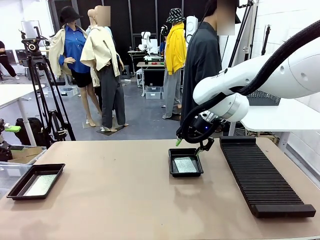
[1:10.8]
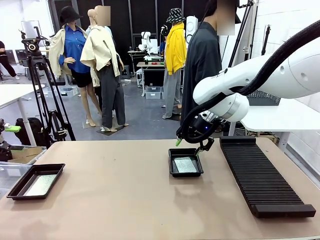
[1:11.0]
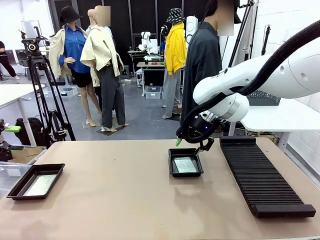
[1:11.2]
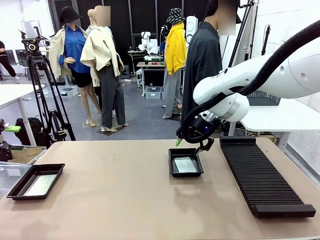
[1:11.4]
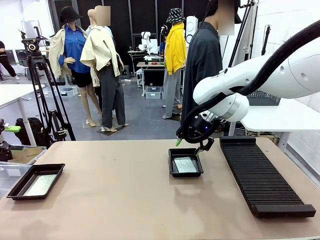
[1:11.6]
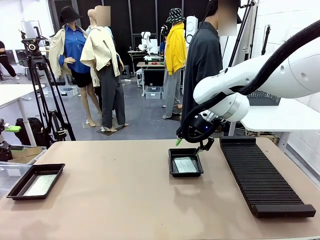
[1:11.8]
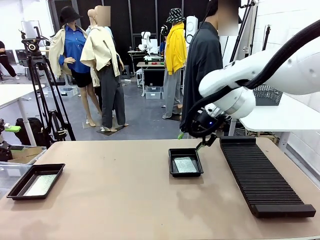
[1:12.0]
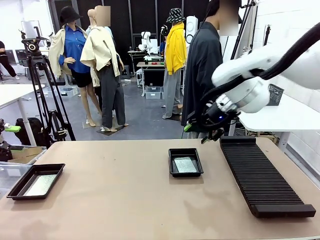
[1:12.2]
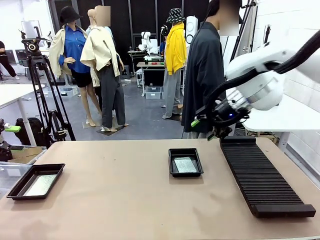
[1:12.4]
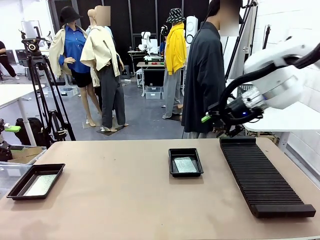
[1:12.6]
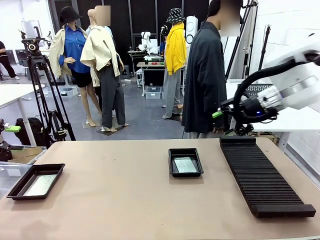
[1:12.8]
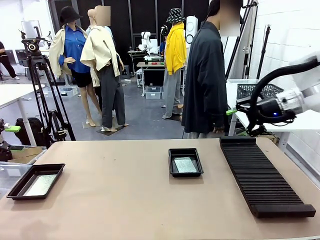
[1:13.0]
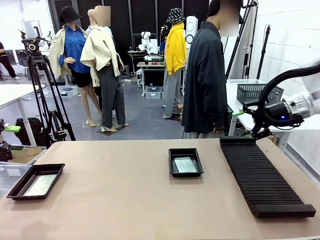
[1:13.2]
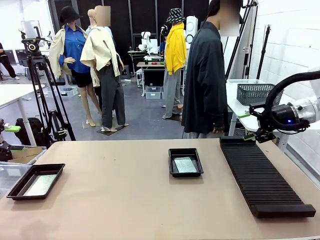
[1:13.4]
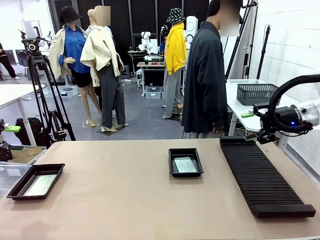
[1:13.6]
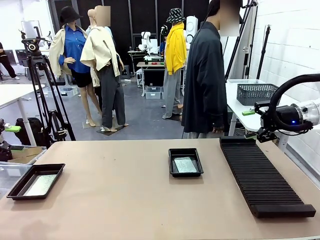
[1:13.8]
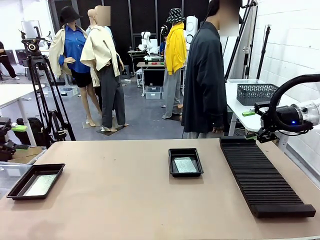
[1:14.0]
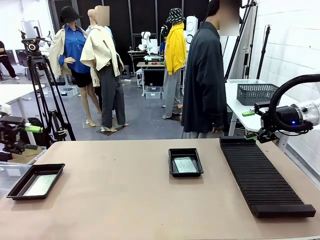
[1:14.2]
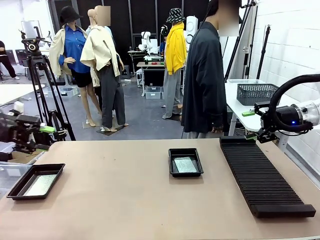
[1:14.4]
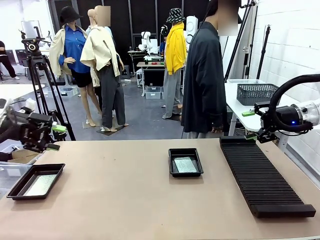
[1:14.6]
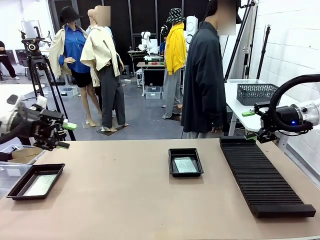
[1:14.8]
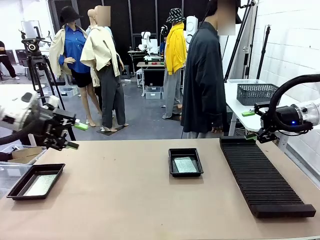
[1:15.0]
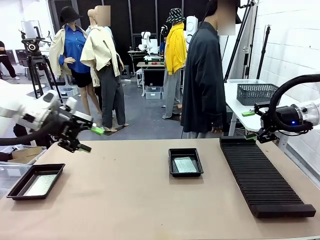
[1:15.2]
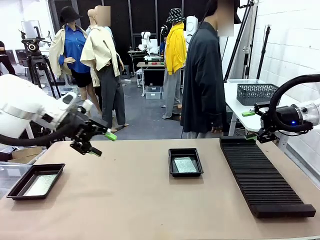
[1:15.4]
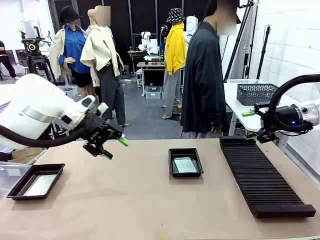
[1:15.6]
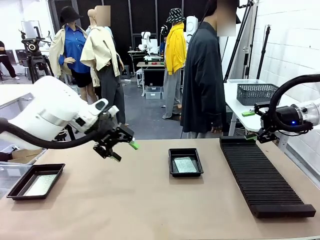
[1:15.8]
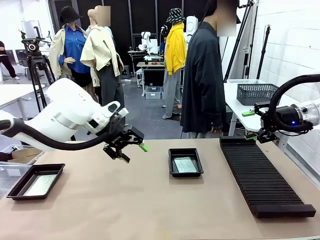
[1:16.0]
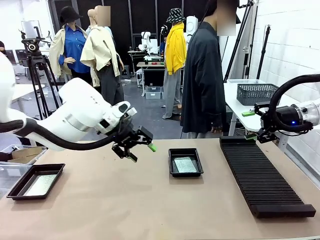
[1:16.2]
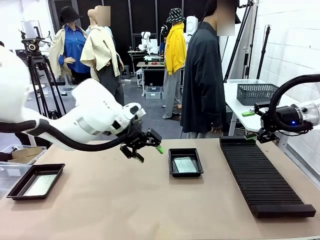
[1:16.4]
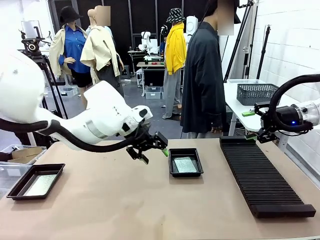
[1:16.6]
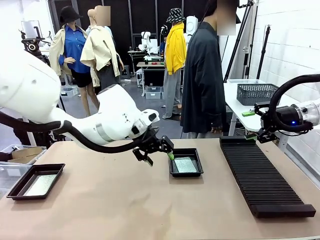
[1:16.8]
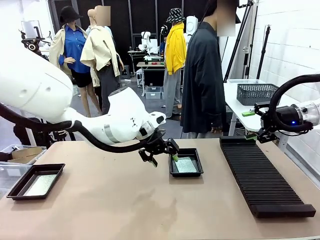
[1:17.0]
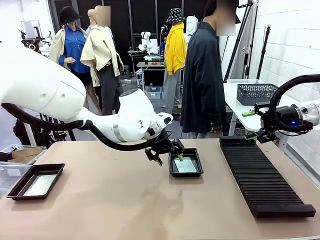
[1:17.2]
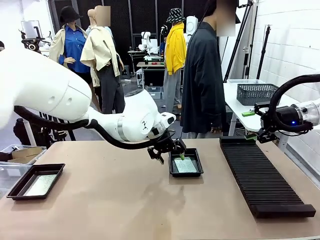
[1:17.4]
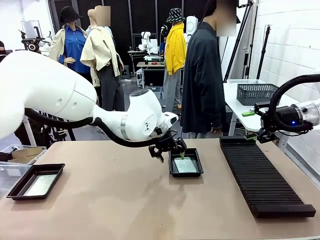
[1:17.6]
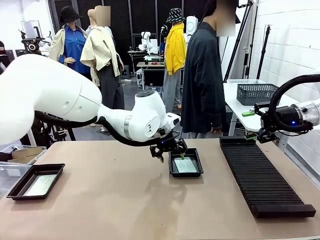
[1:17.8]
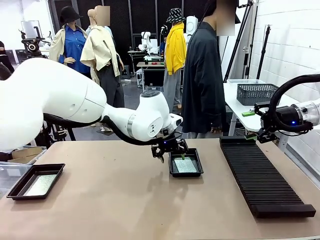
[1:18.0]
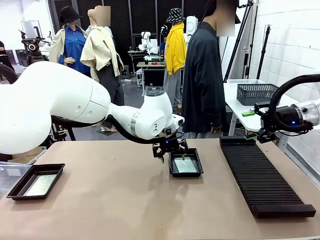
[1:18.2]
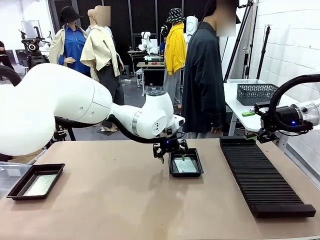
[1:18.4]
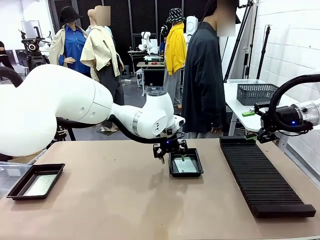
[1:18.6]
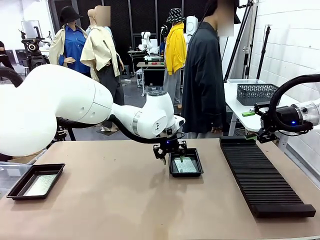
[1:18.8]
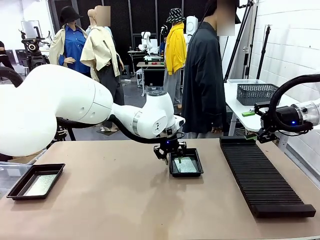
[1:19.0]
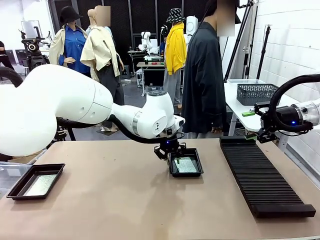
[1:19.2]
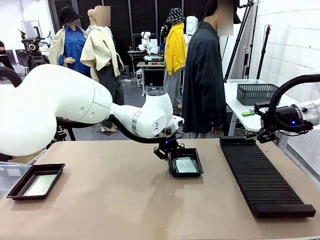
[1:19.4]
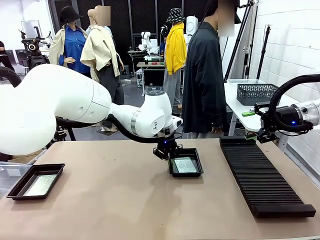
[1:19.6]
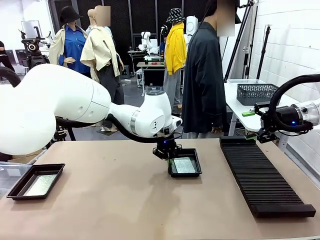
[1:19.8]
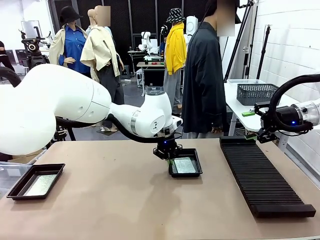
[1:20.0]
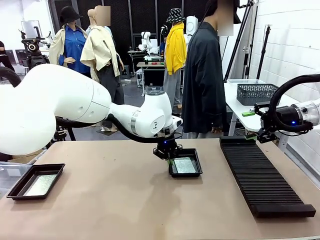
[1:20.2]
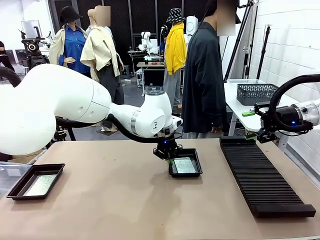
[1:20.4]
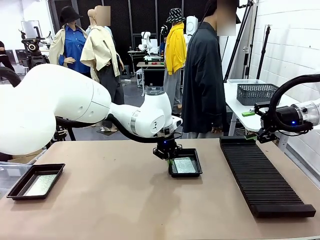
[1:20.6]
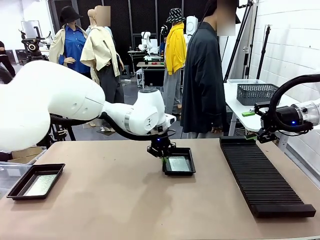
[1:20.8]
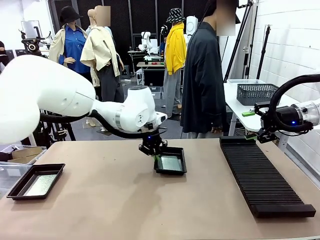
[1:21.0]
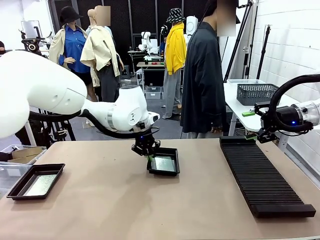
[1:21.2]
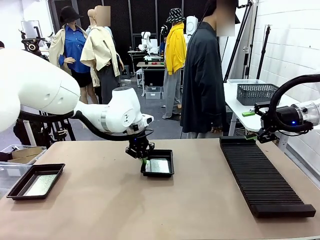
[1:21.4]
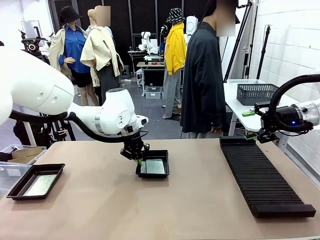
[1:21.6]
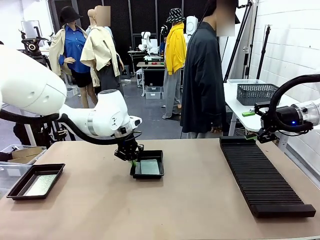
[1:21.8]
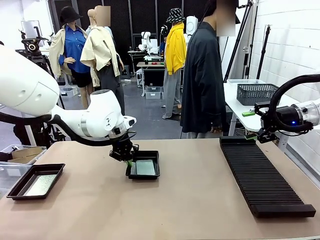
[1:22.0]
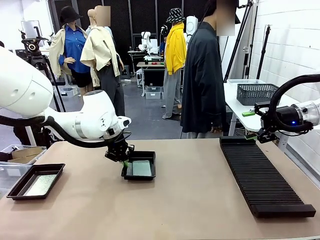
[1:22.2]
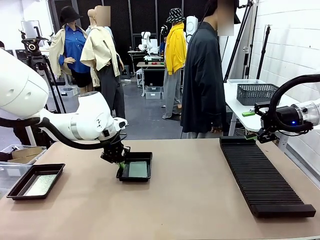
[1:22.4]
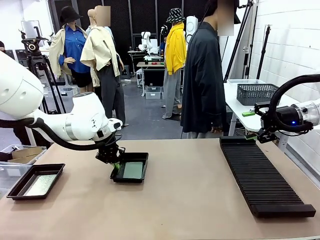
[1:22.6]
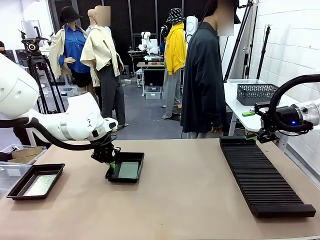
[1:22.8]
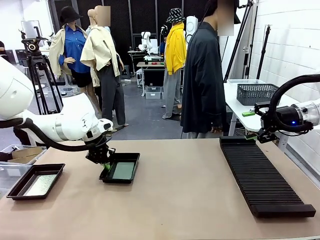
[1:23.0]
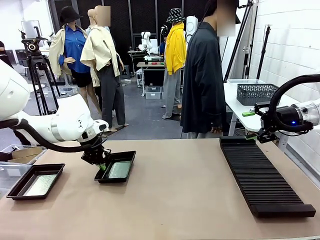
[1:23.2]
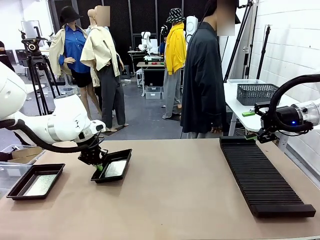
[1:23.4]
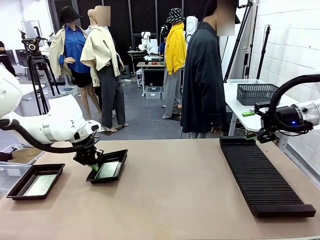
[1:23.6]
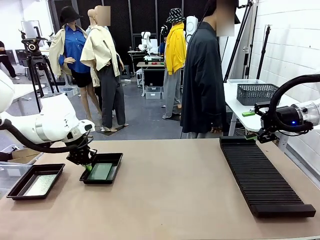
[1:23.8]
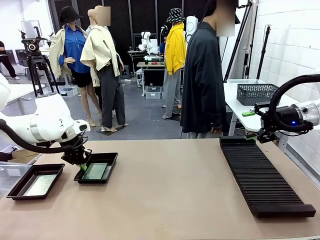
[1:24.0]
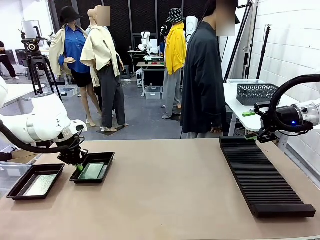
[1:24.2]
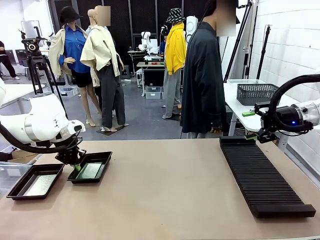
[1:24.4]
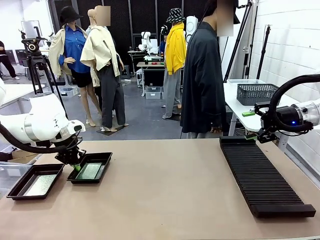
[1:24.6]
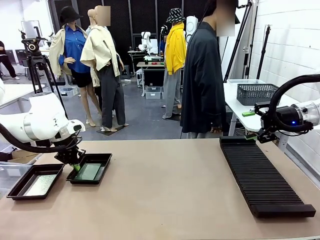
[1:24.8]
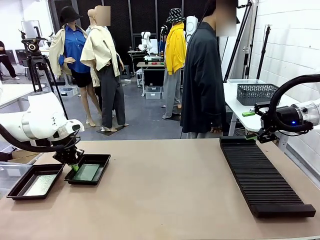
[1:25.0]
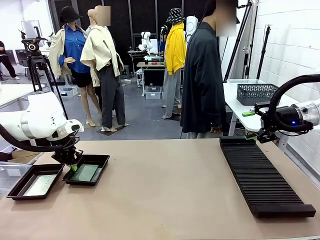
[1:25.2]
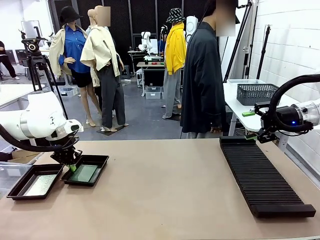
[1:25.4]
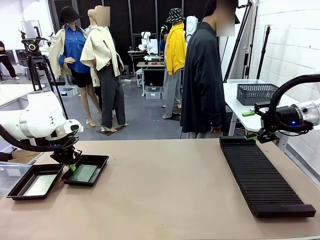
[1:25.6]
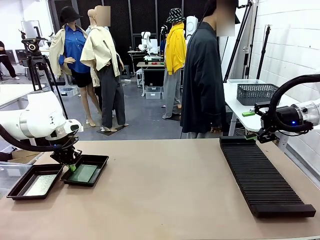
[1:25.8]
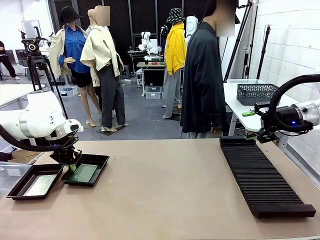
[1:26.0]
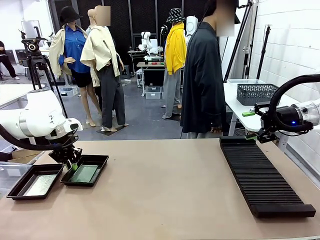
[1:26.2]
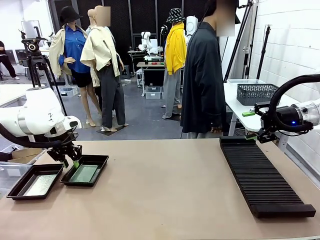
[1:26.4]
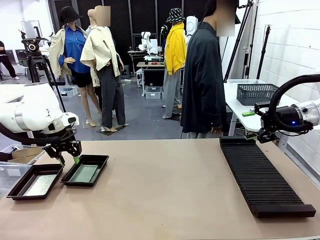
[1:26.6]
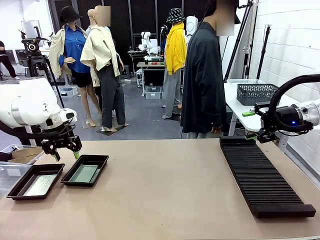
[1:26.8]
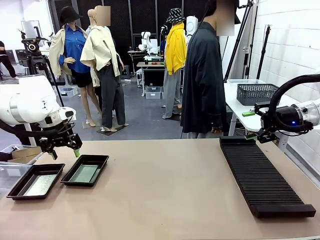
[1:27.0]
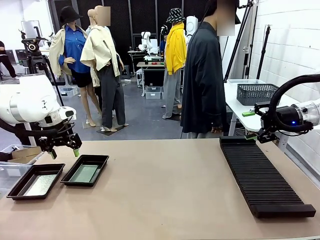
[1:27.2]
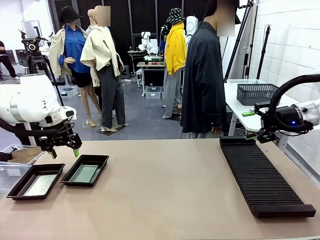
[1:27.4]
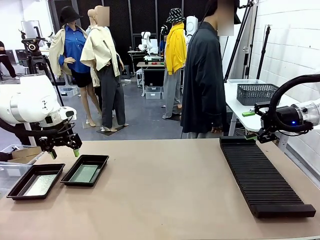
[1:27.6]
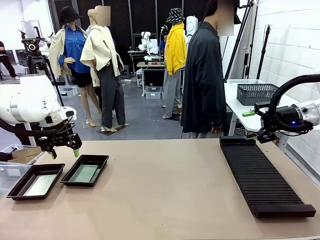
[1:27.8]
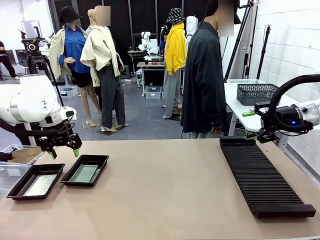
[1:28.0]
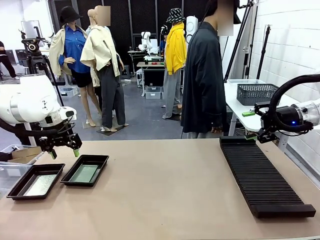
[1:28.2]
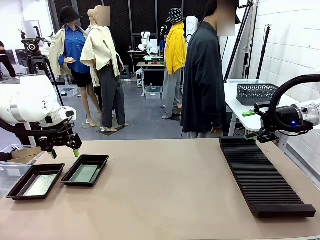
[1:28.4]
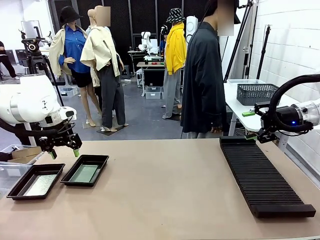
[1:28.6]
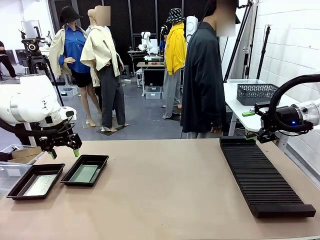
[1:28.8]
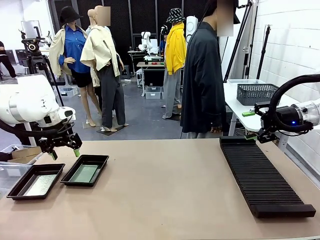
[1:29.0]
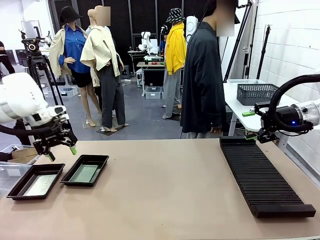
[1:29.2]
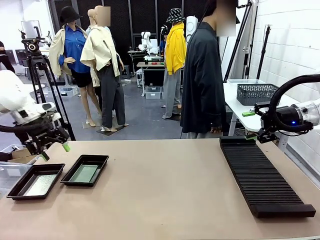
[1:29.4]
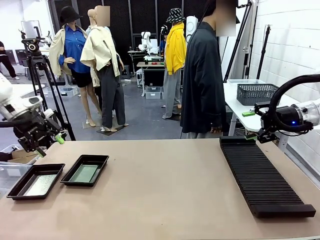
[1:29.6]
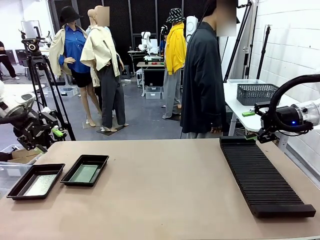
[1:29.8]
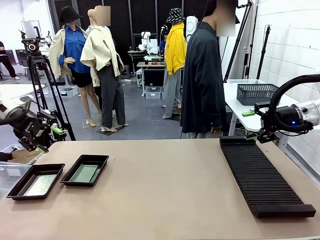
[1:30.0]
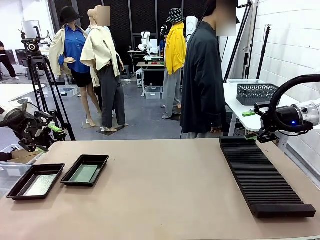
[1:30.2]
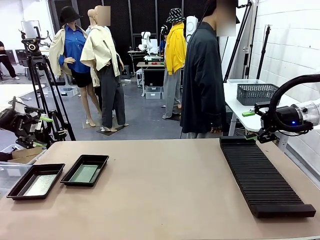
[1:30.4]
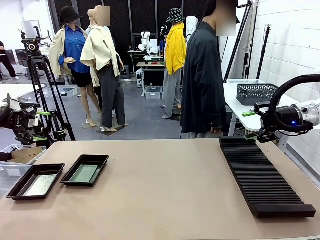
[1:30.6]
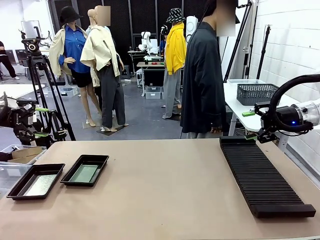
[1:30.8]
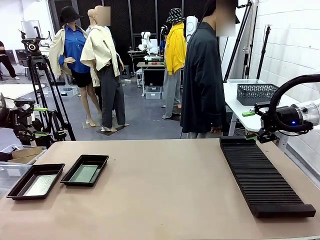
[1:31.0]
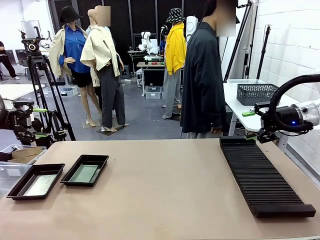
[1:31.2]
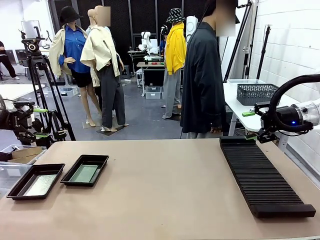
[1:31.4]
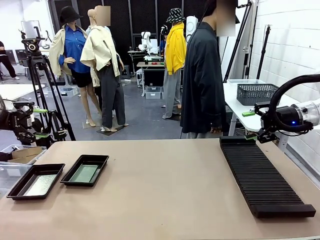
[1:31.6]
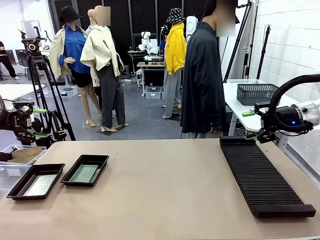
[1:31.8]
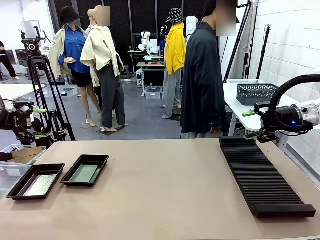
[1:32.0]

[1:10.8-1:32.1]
Task: Inspect and transfer BCBs to ESD trays.
Robot: Pick up the ESD tray and place it on the left side of the table.
